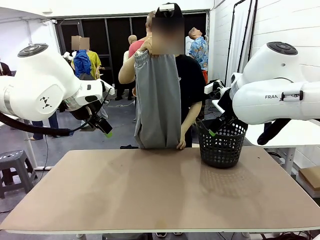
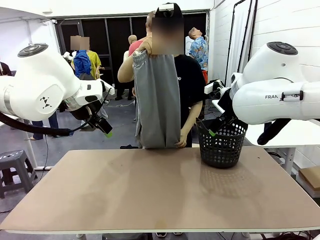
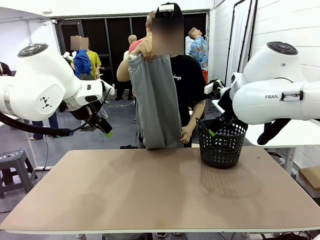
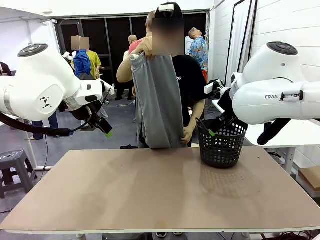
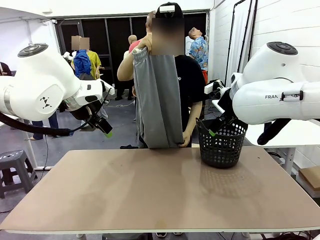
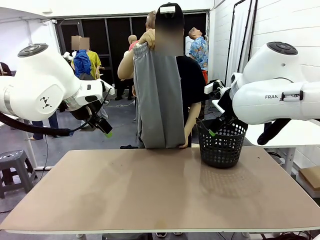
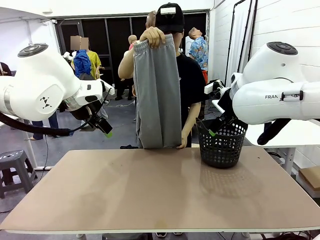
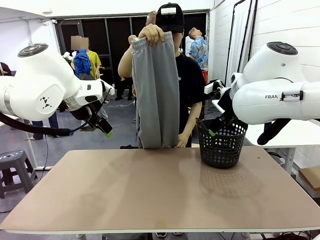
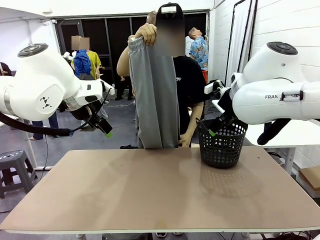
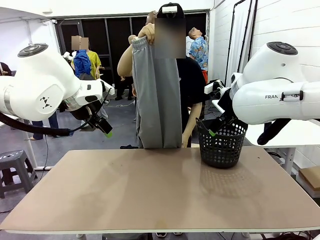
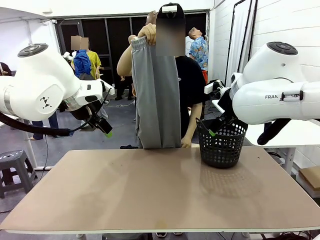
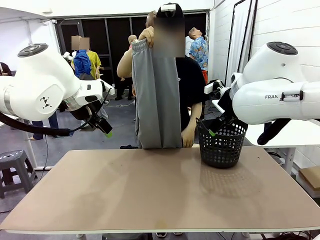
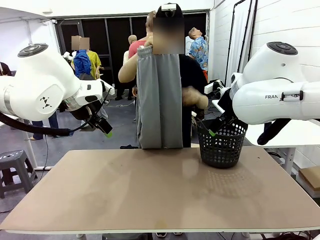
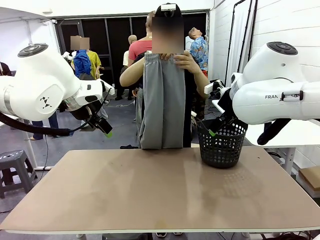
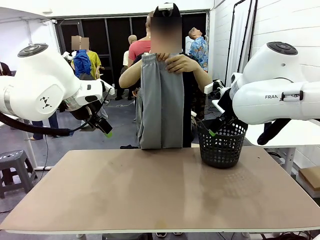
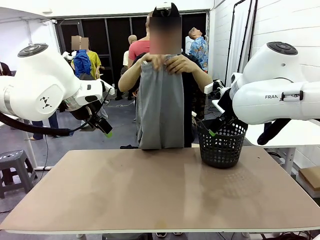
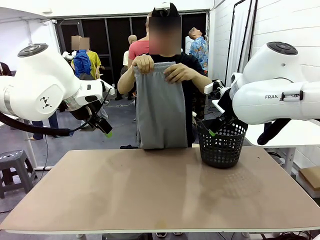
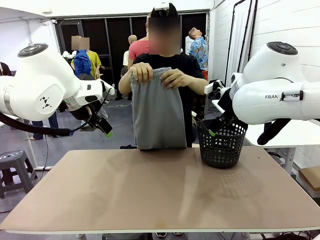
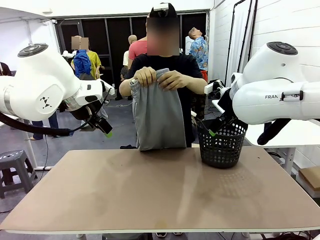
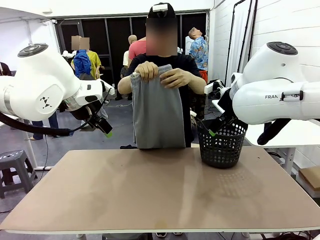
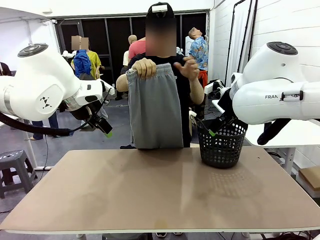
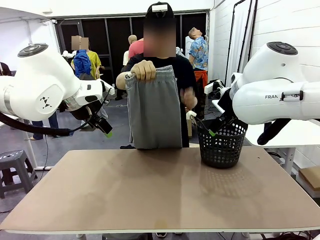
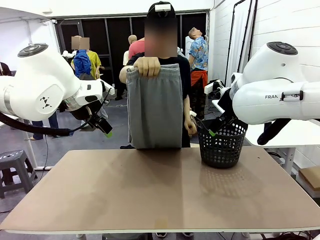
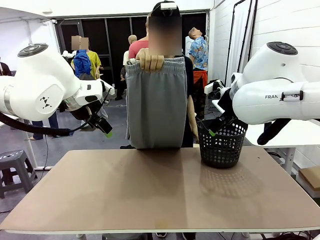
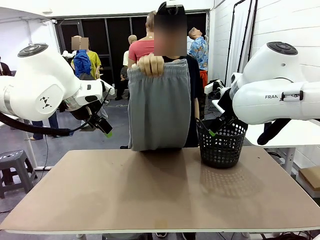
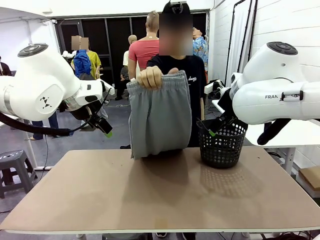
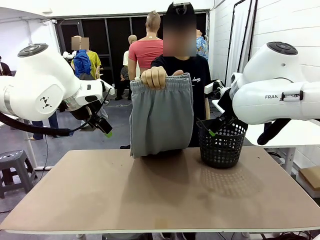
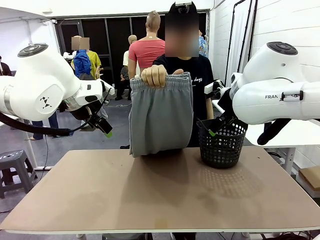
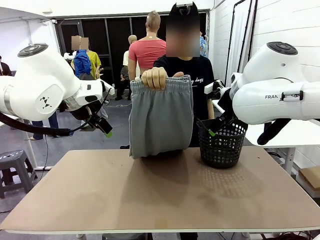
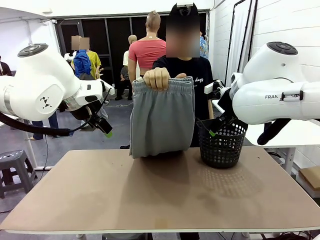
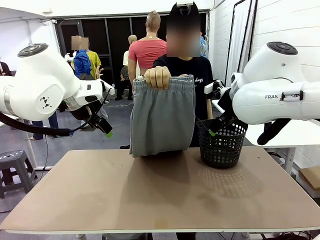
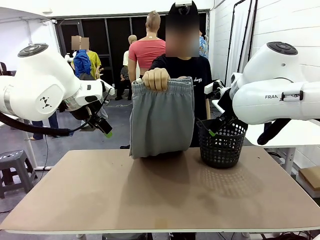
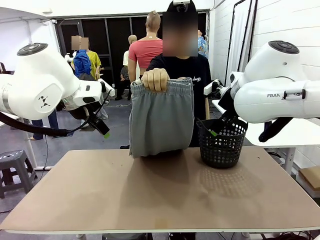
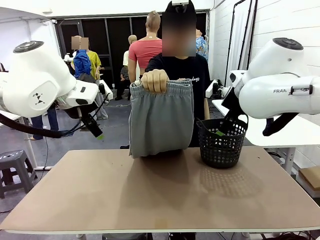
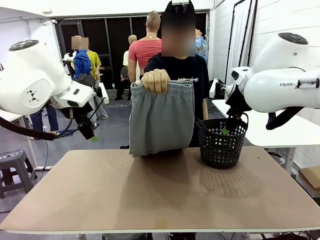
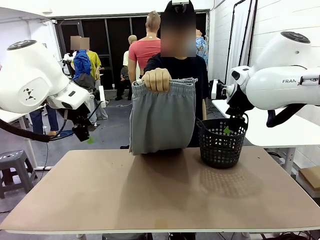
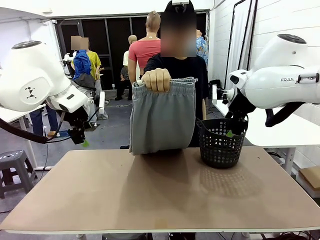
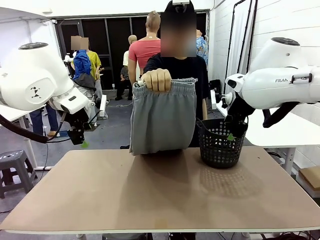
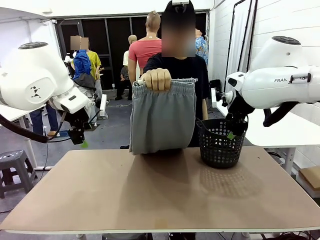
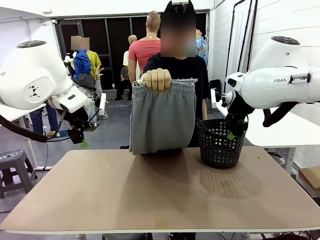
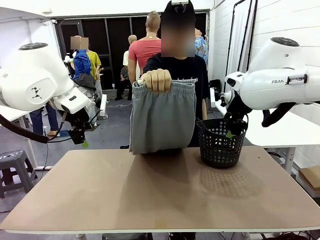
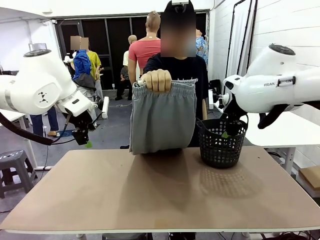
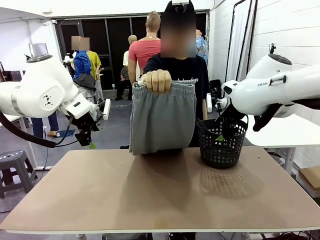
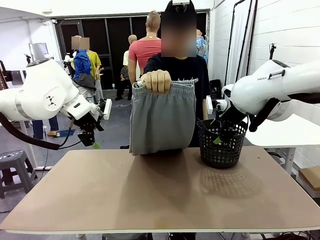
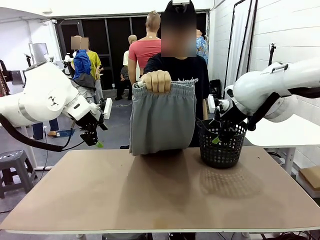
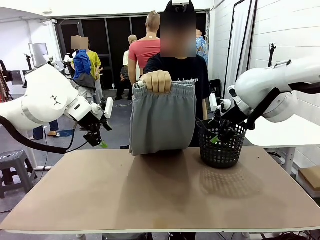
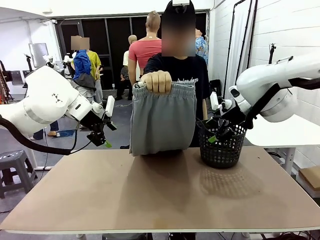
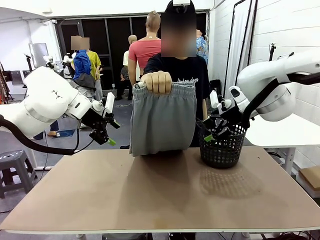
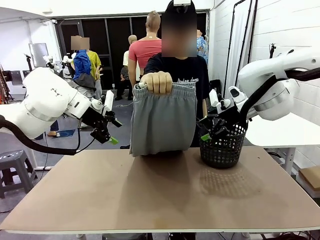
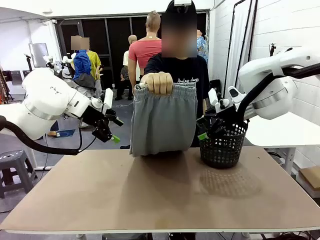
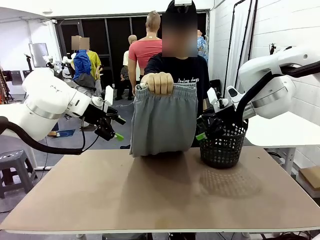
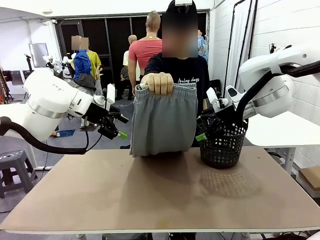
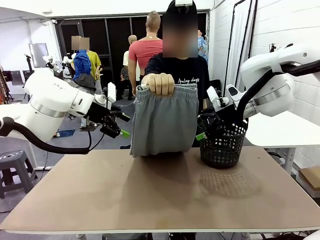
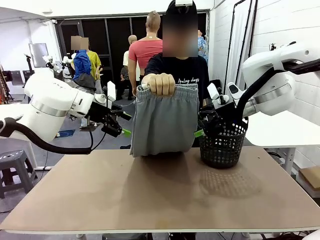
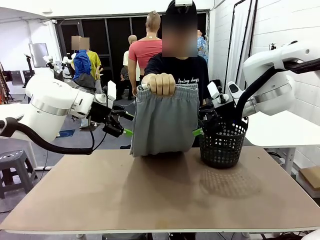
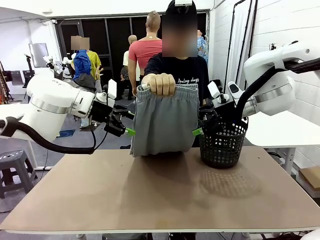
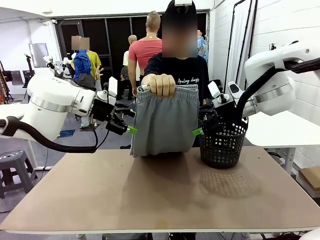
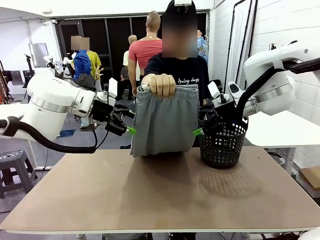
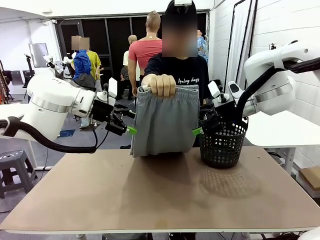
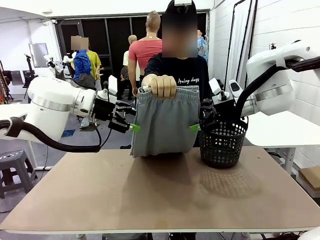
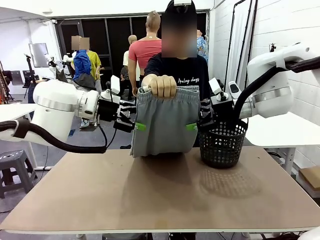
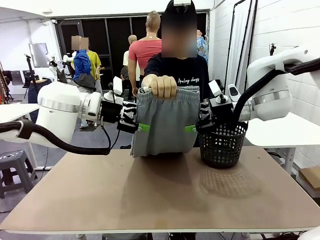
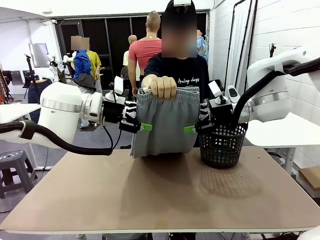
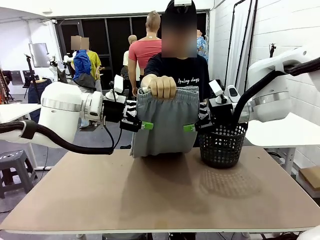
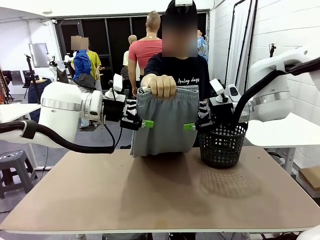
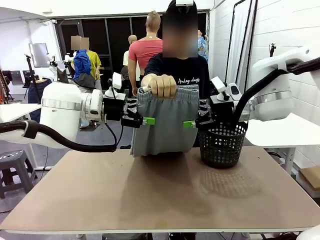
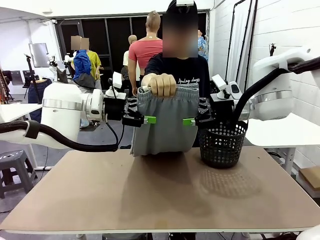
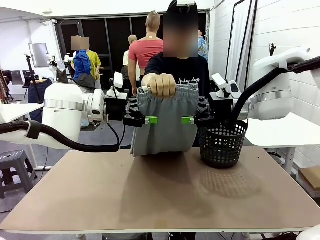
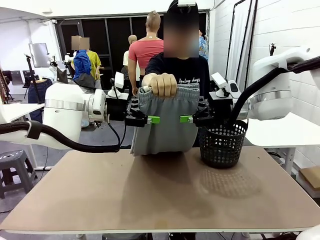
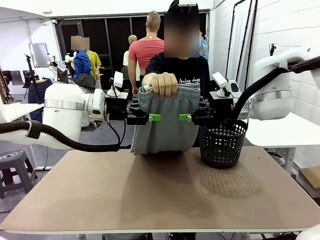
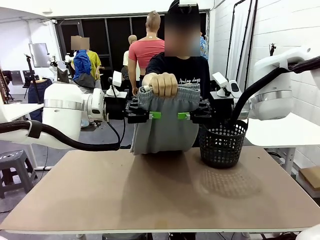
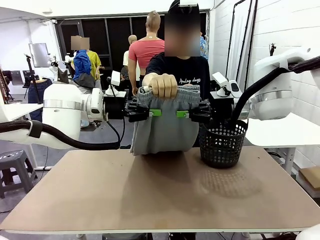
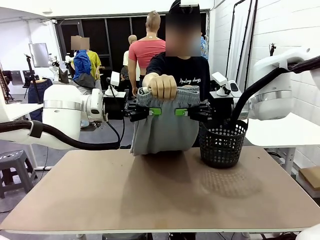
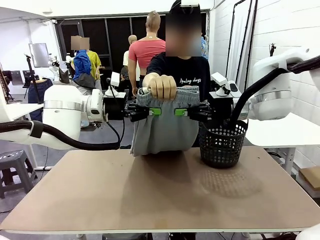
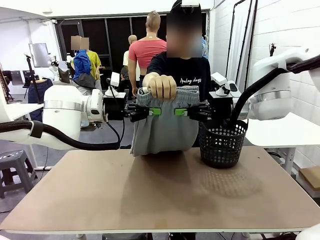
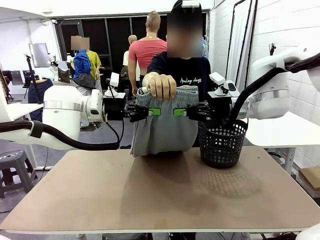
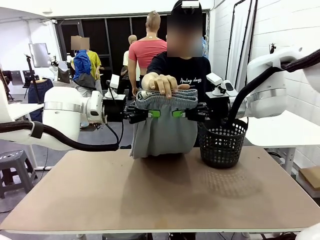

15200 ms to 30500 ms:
Task: Fold the training pants.
Robot: Grab both ends of the Training pants handed by a person.
